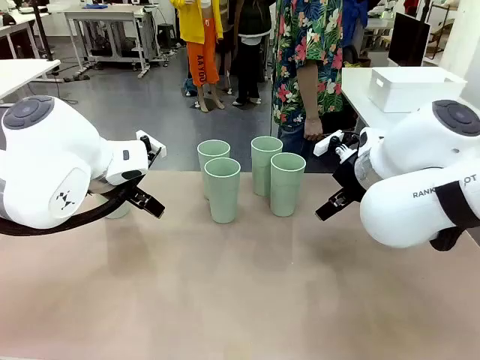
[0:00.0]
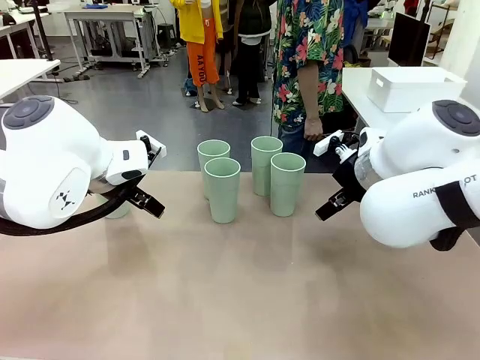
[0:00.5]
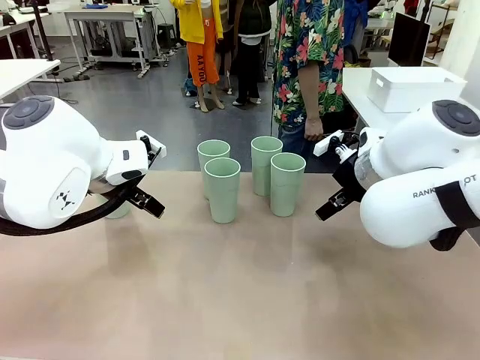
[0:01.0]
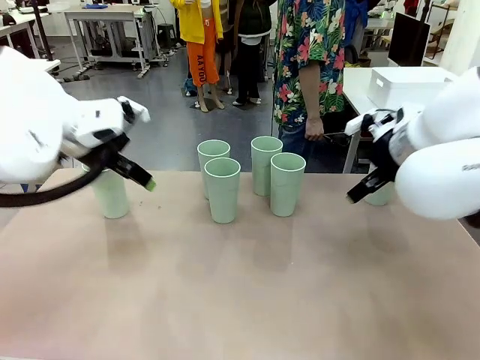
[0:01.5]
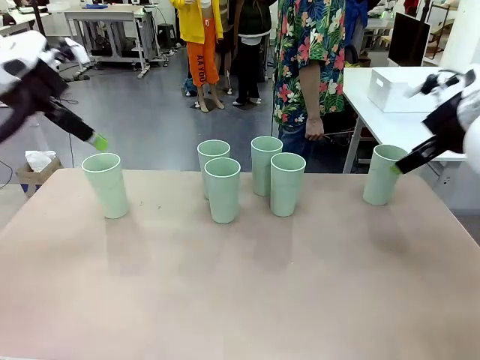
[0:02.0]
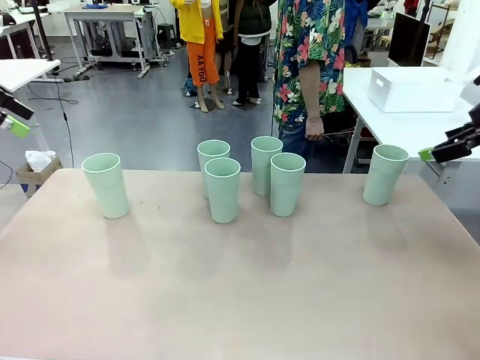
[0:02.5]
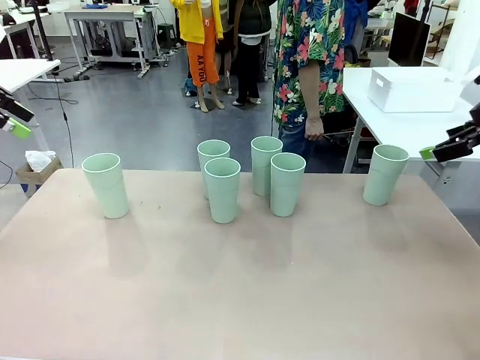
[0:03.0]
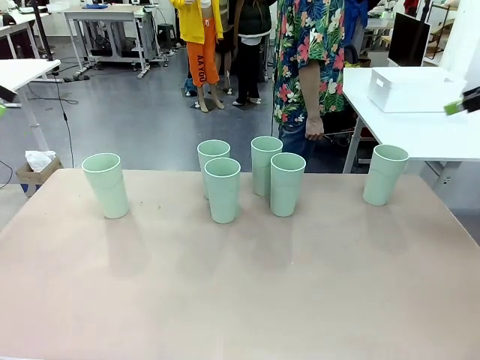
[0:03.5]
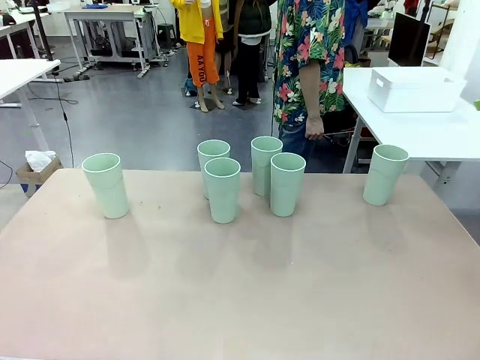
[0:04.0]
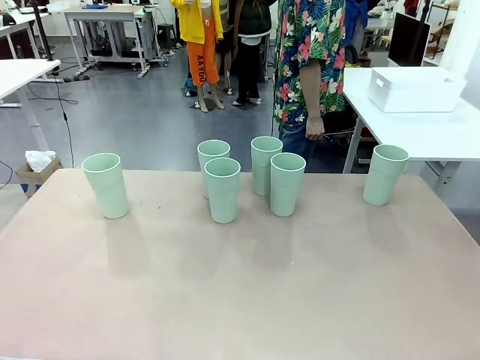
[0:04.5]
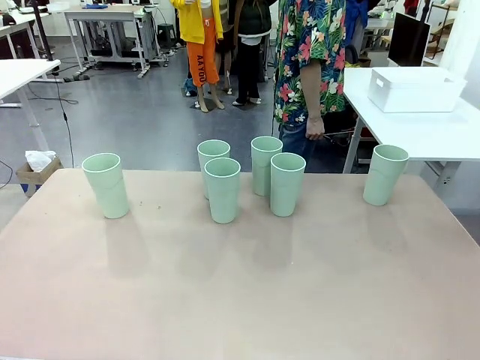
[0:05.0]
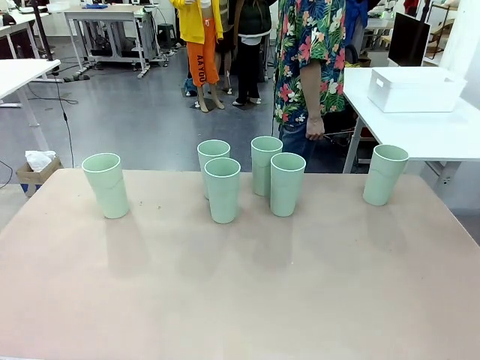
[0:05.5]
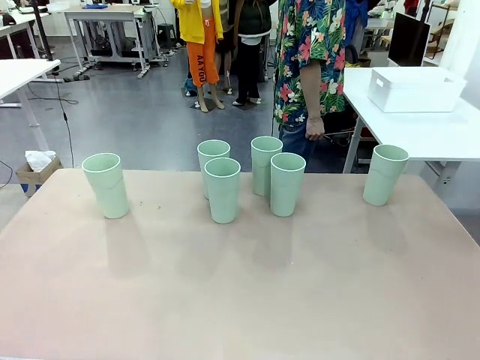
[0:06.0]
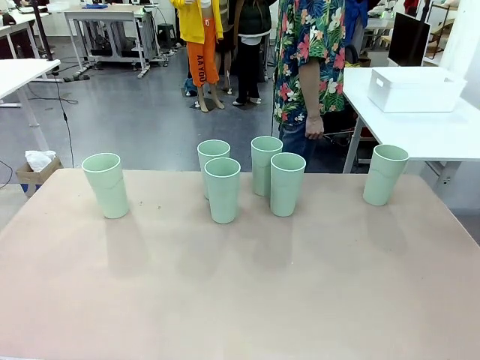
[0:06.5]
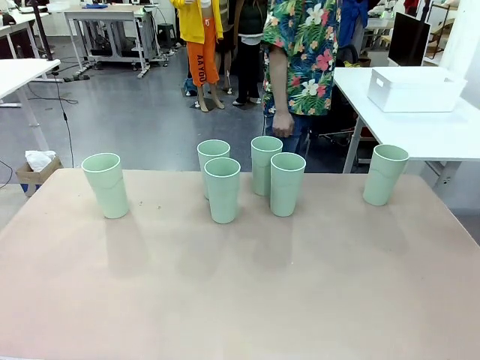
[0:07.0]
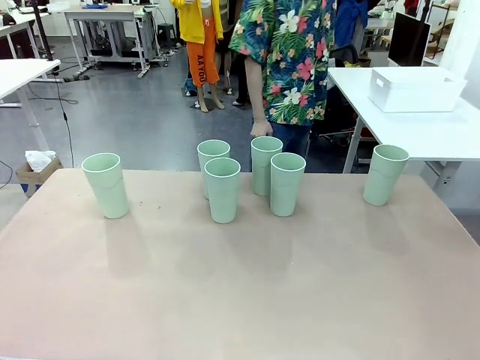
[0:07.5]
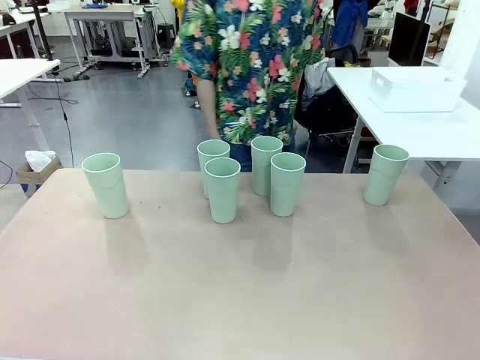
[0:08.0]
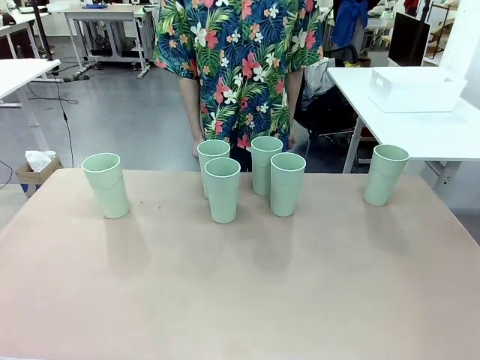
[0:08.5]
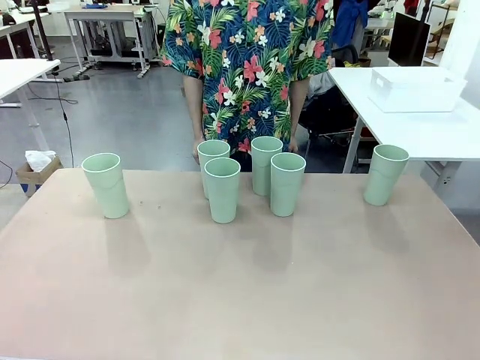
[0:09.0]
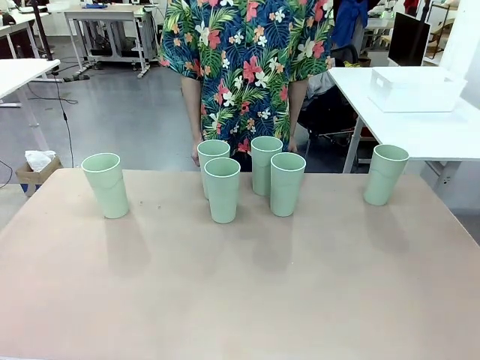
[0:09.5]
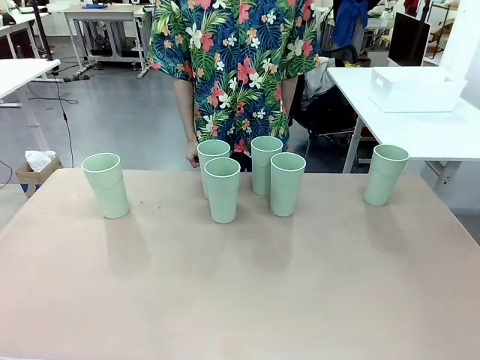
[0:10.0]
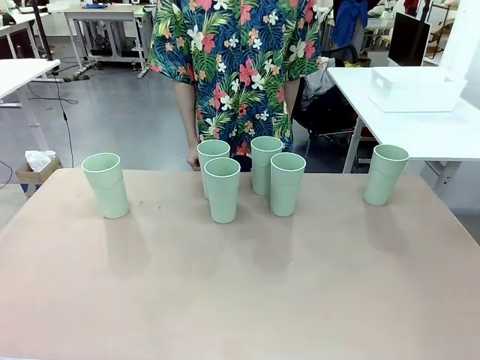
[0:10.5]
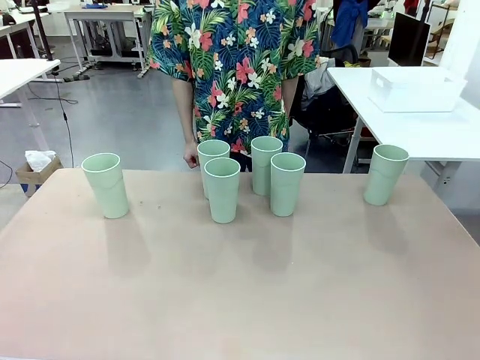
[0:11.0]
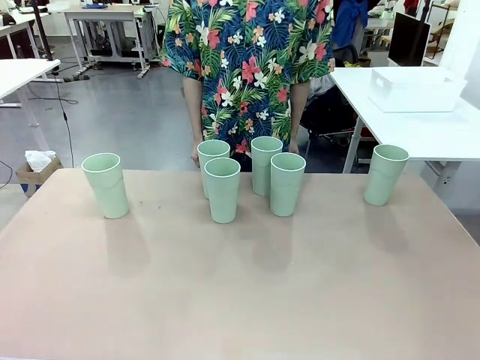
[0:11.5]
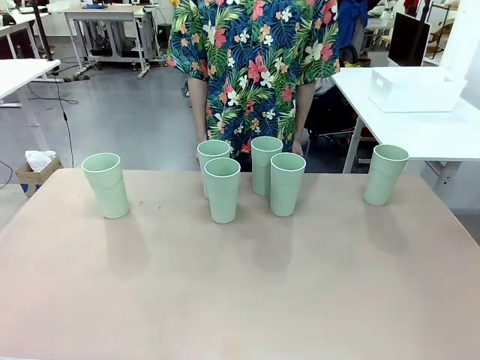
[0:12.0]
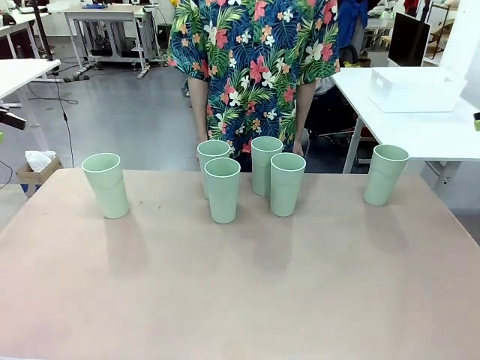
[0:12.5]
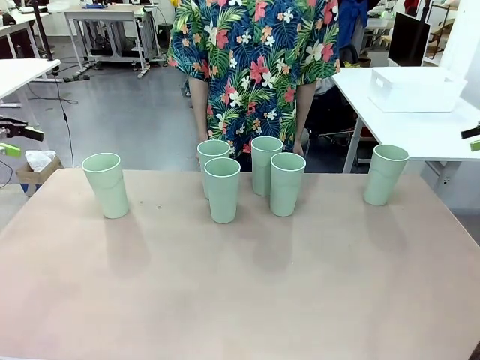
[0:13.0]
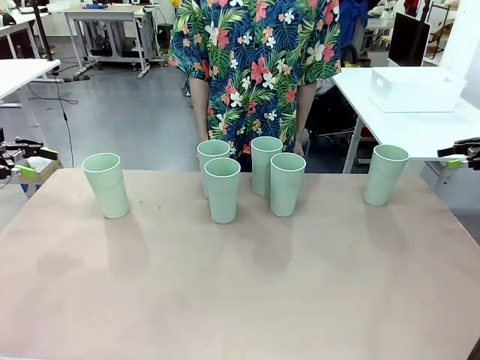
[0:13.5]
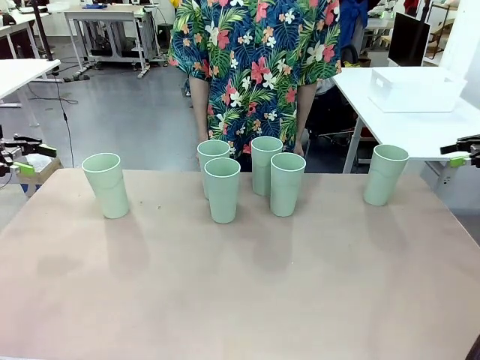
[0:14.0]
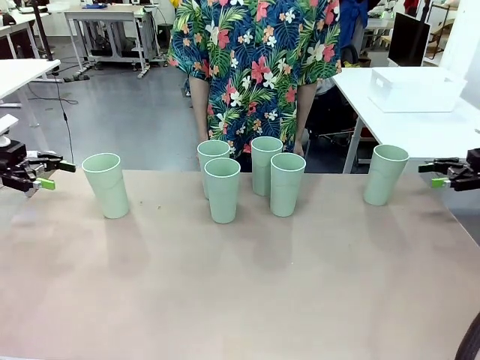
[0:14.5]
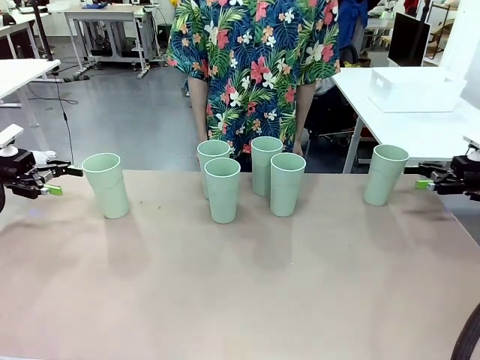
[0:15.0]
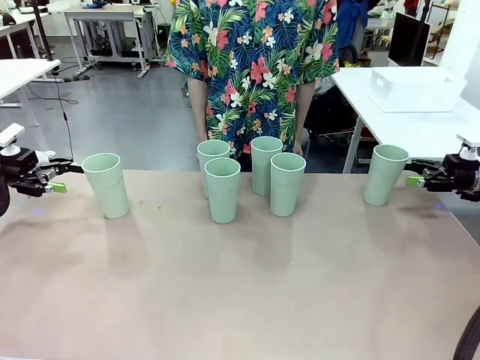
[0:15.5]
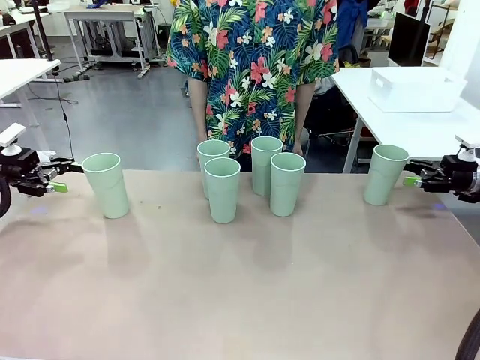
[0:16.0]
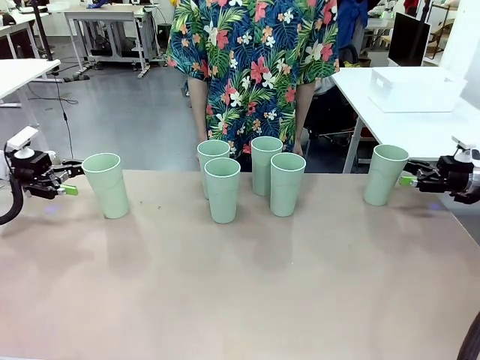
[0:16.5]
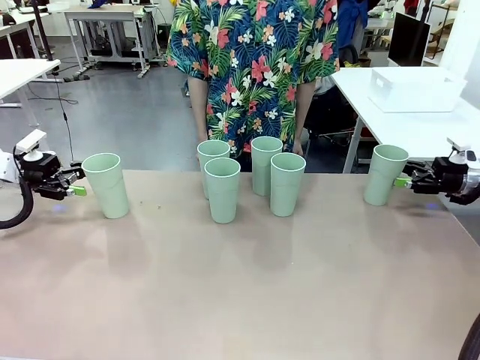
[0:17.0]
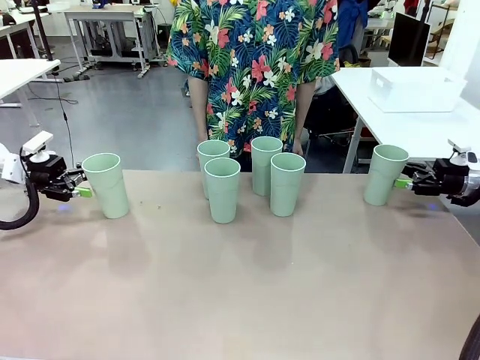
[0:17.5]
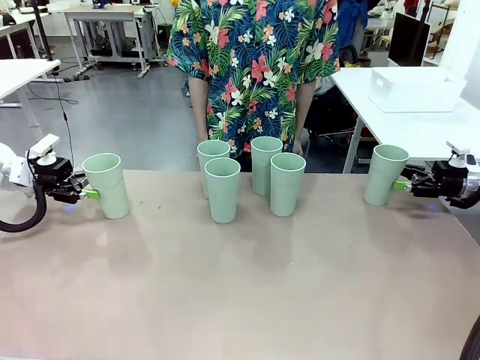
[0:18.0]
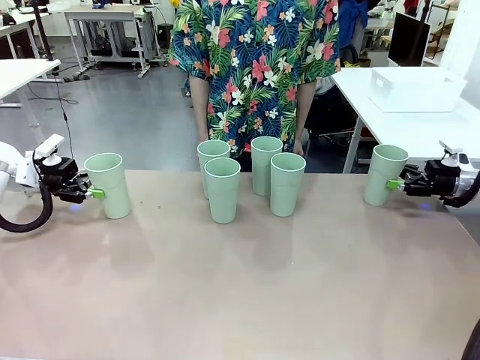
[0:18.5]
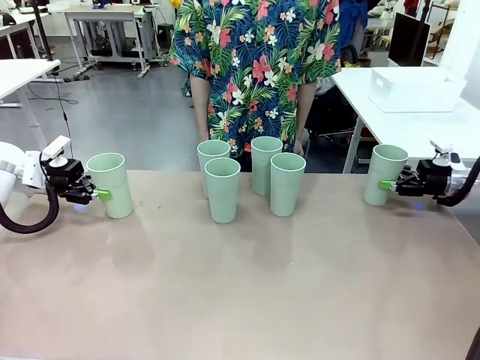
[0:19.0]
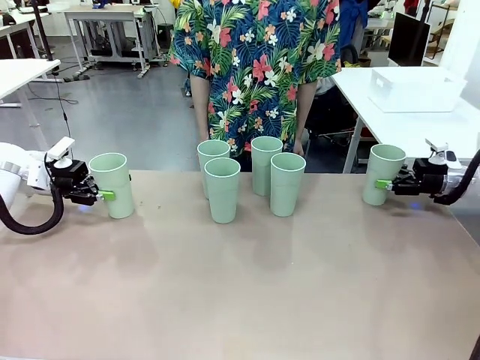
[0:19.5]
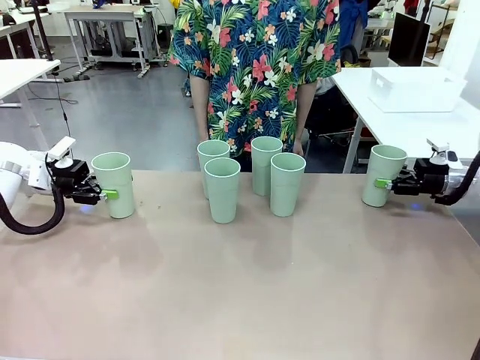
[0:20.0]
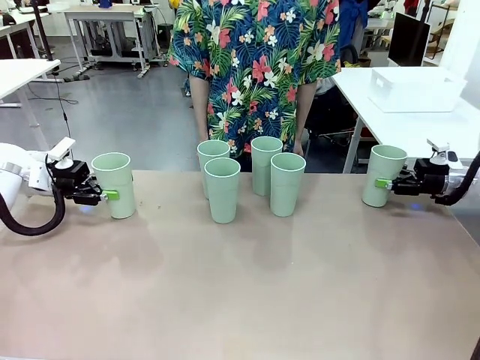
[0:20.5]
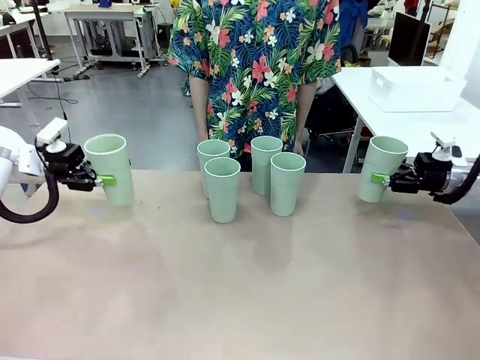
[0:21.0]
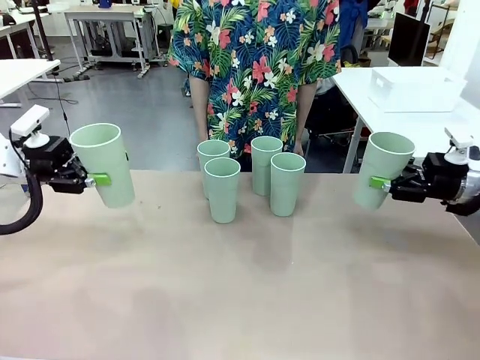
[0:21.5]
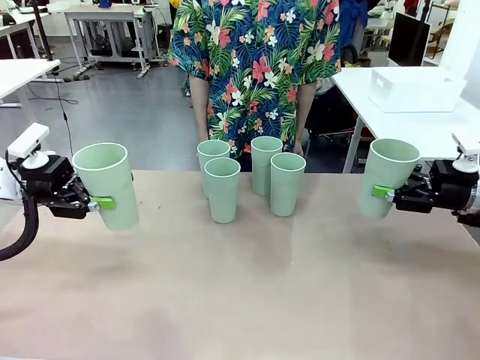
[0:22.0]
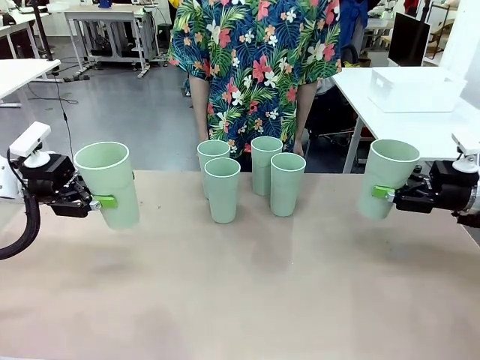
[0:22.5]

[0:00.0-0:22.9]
Task: Stack the cups and store them in the basket.
Robot: Pick up two Reusable plastic cups , one in each hand.
Person: Move from the Human Table to the front of the Robot Table. Stack two of the remaining cups on top of each cup held by the robot.
